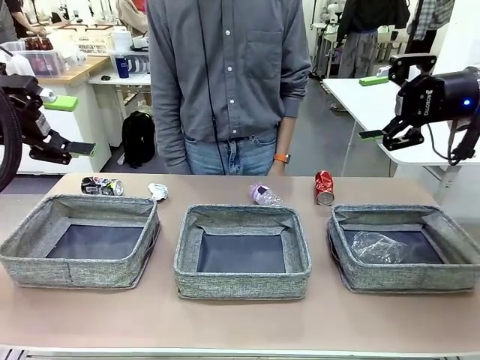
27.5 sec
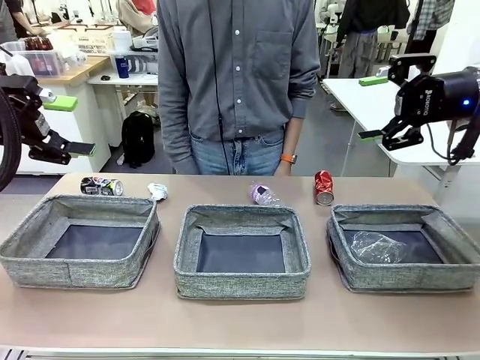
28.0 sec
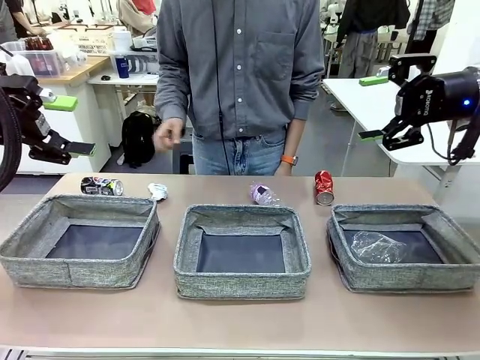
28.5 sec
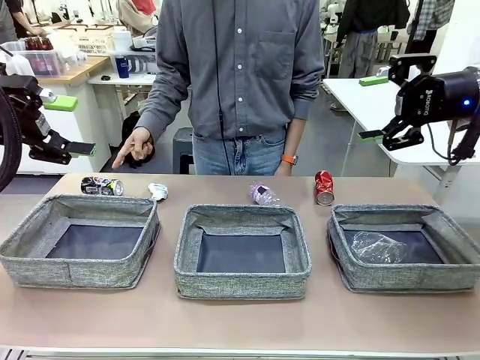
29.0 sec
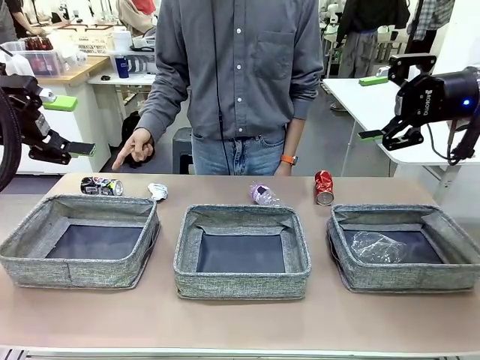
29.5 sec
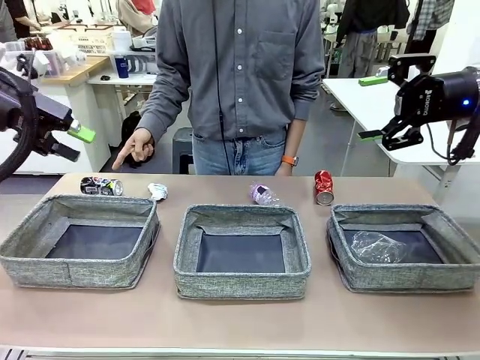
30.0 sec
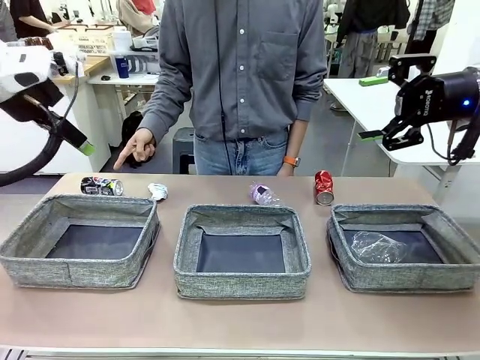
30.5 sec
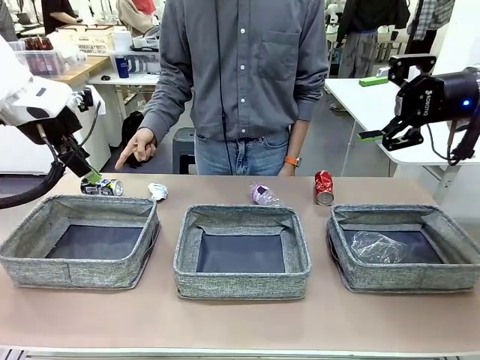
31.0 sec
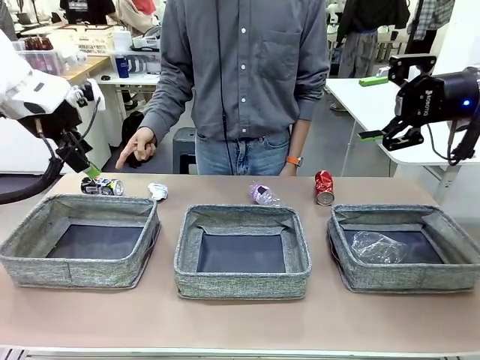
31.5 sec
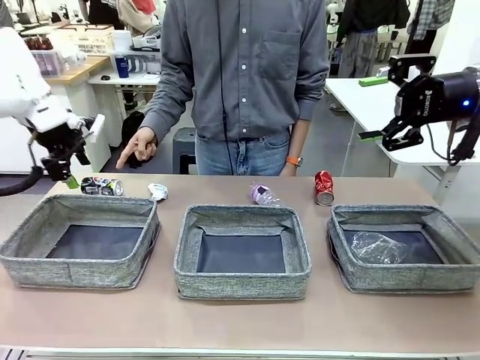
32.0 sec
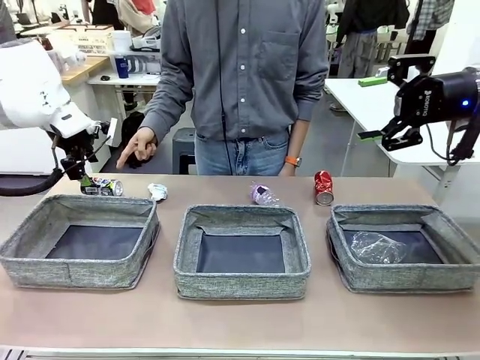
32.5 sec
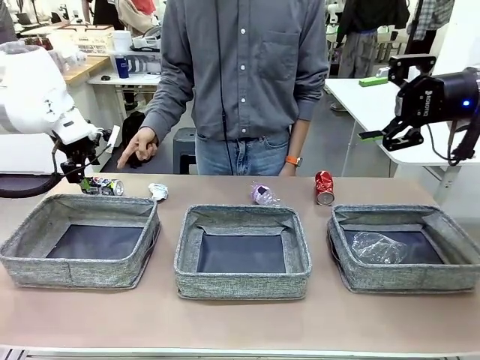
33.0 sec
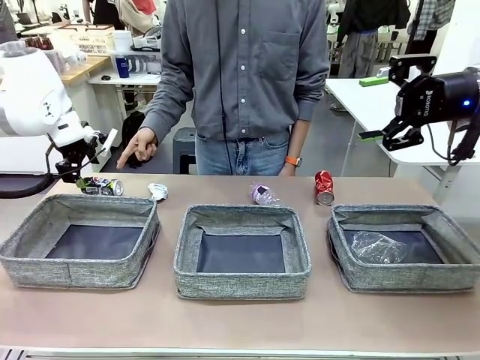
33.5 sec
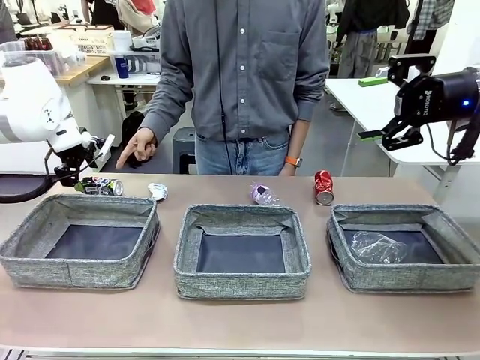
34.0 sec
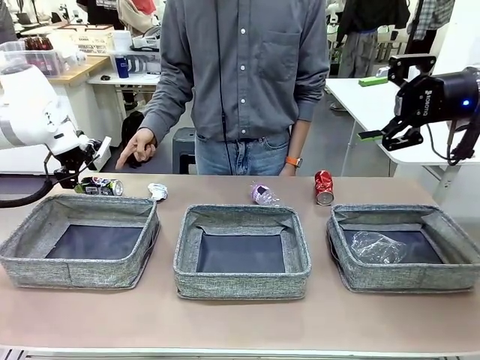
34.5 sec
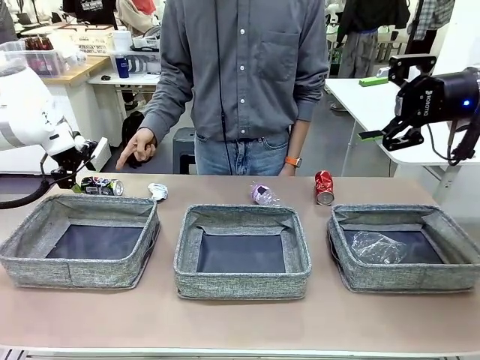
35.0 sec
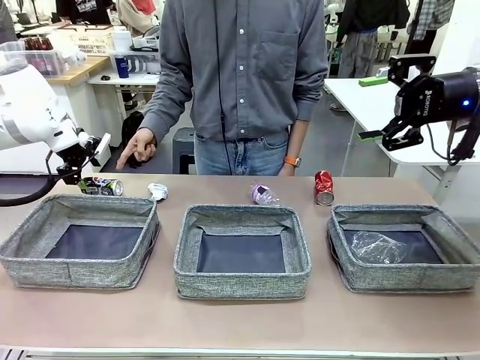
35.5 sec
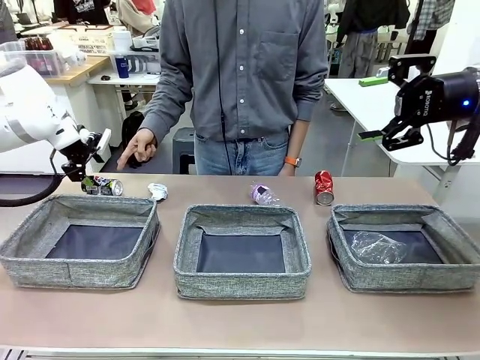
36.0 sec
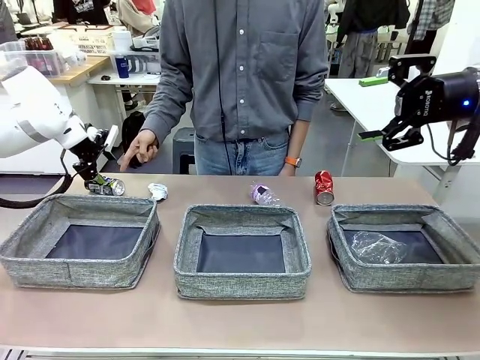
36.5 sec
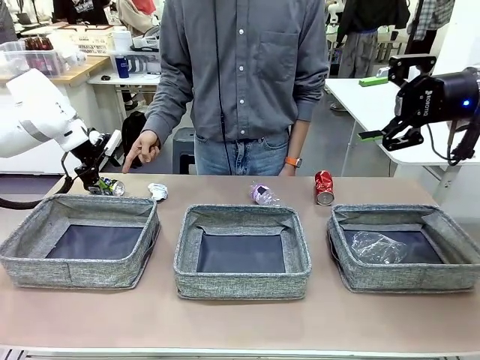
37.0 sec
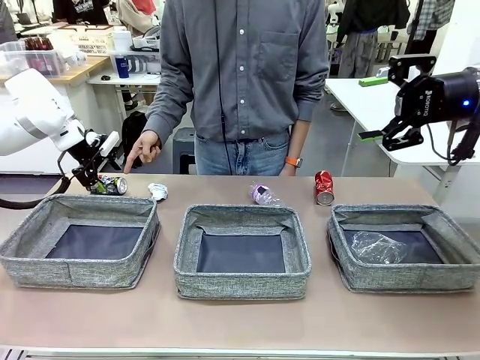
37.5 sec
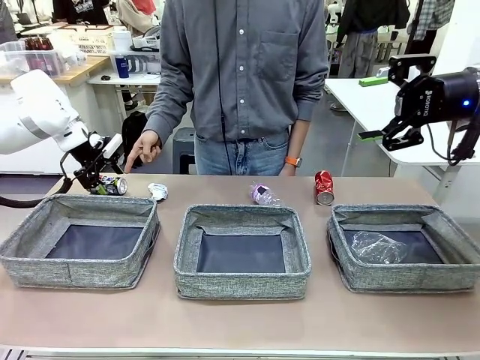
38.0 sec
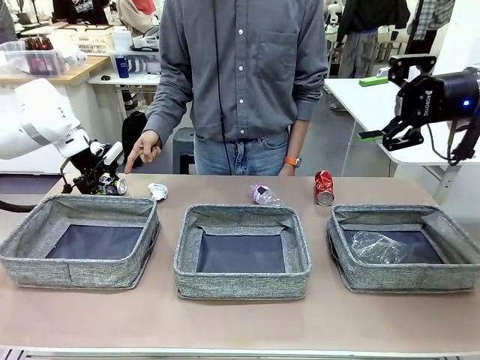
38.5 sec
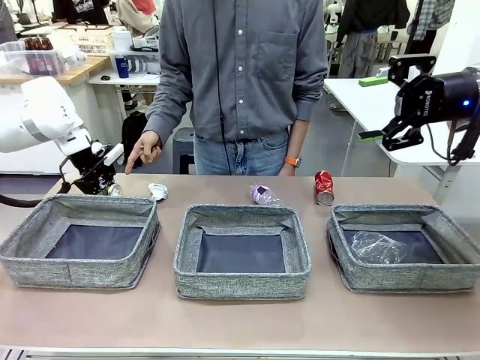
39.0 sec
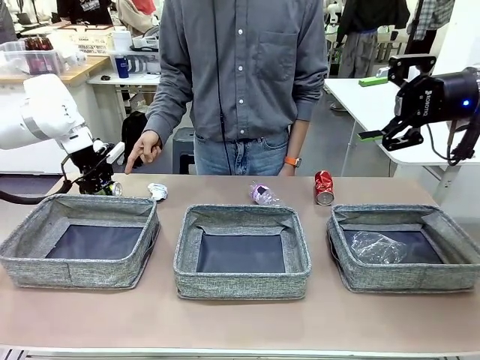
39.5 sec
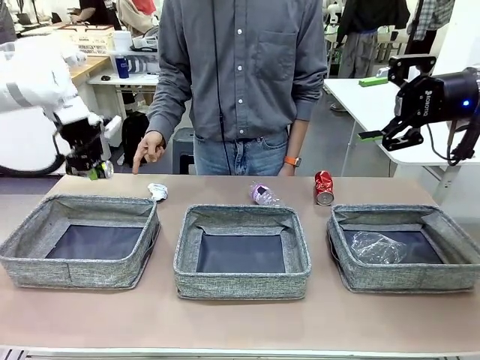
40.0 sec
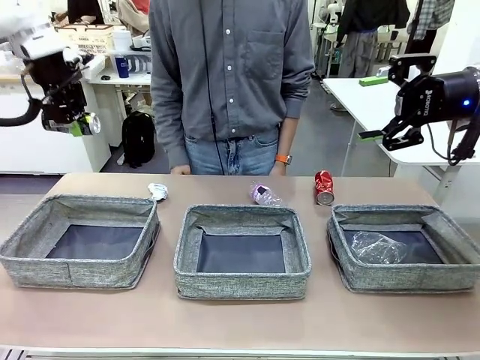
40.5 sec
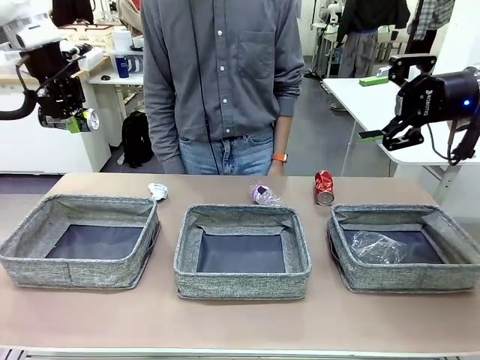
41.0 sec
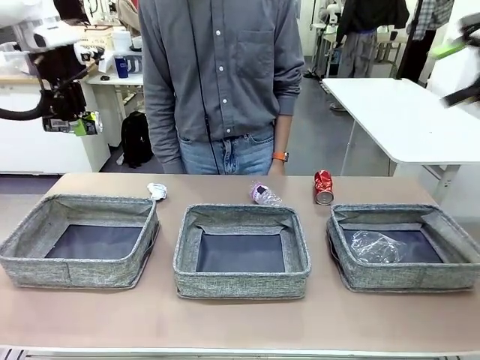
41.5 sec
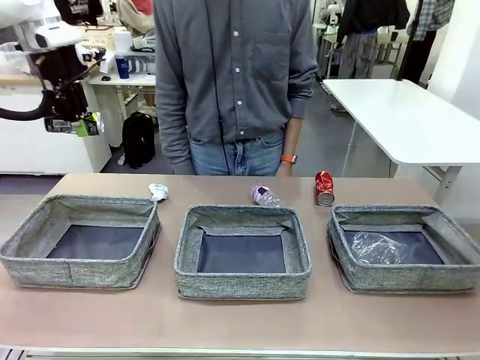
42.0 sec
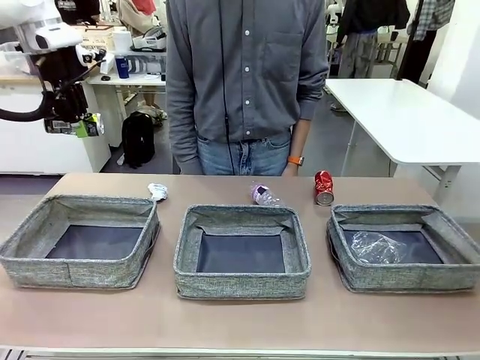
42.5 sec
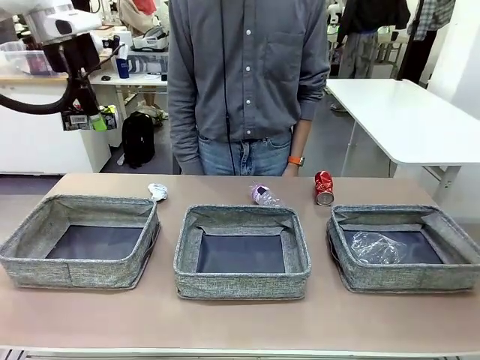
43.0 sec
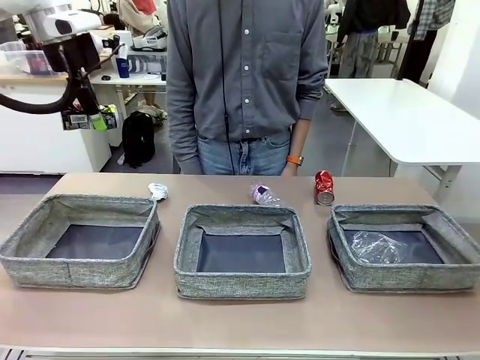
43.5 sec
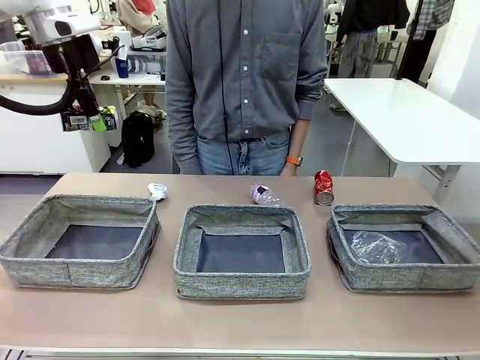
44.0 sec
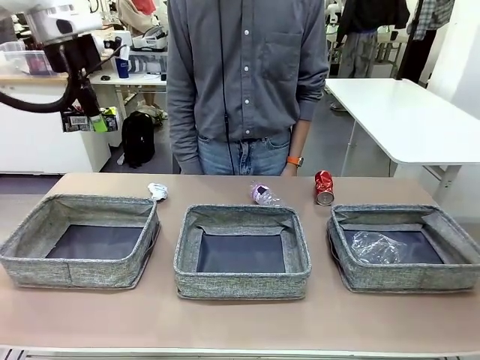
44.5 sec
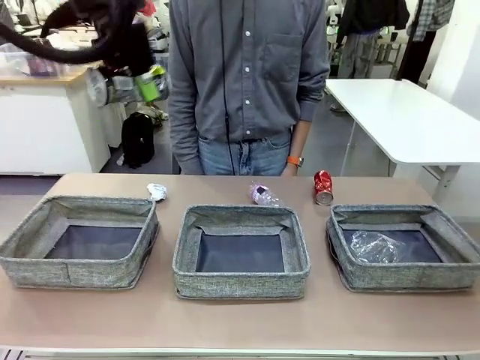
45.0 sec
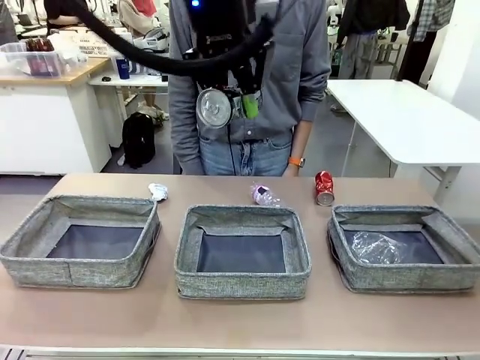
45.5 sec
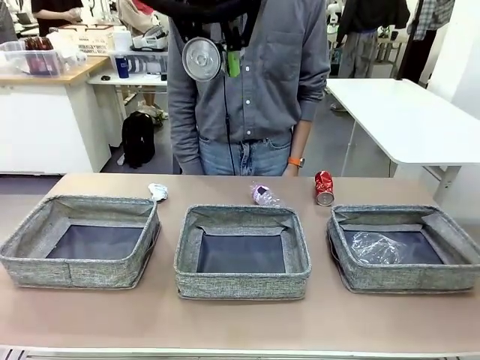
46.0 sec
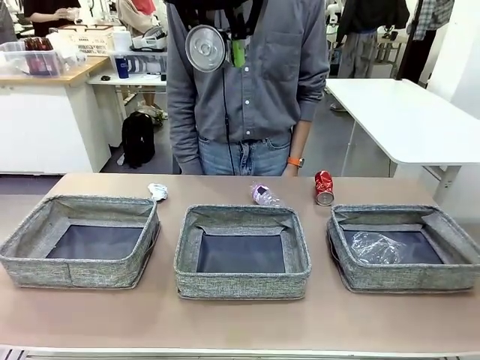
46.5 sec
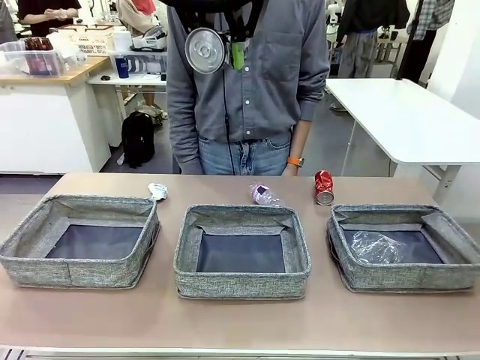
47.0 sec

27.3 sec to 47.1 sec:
Task: Sort the waste into the appropriate baskets.
Robot: Pick up the waste item pointed out by the person.
Person: Points to one piece of trash on the table.

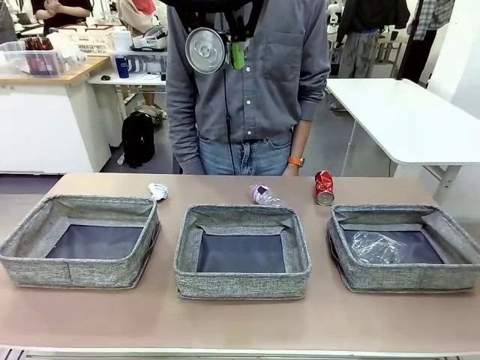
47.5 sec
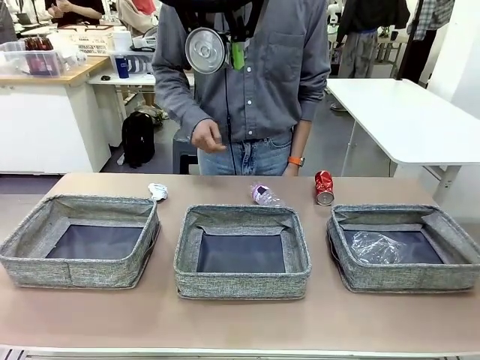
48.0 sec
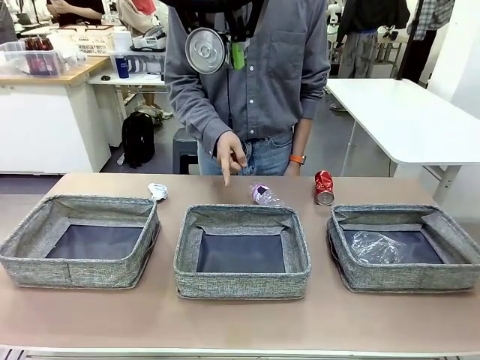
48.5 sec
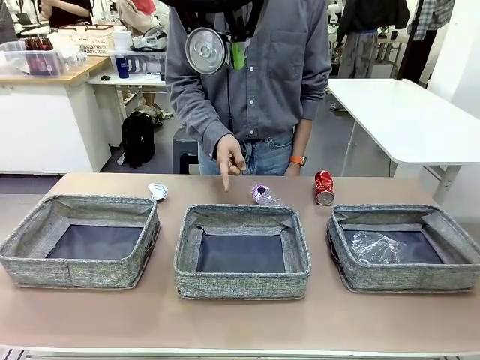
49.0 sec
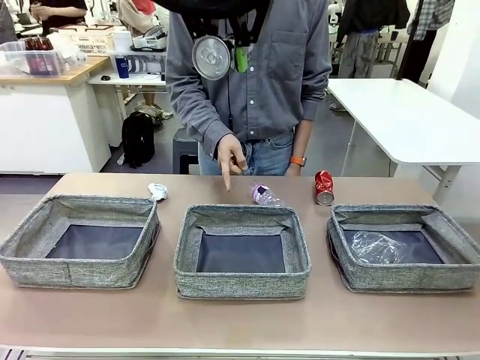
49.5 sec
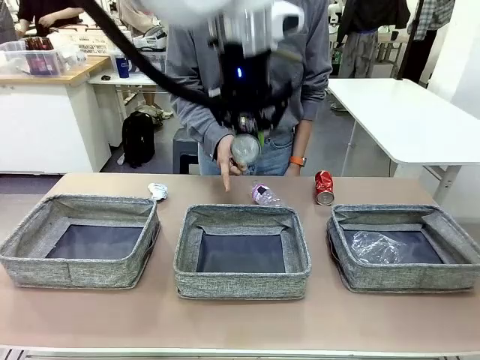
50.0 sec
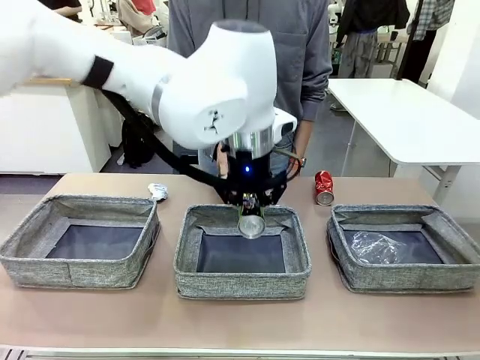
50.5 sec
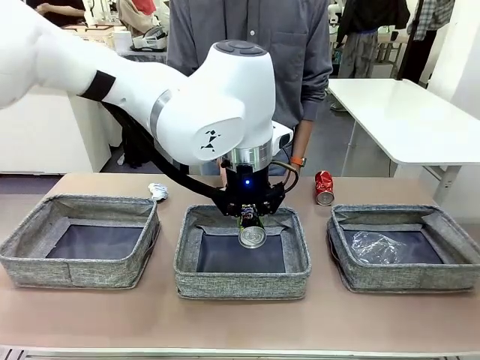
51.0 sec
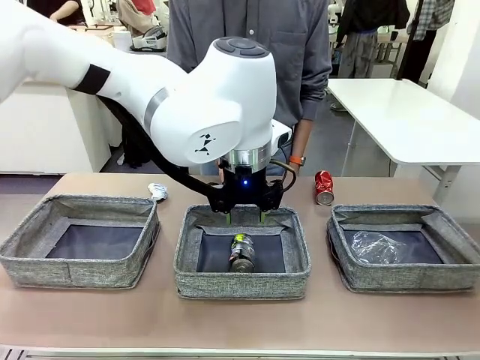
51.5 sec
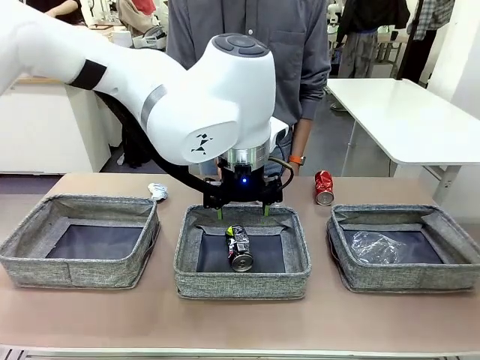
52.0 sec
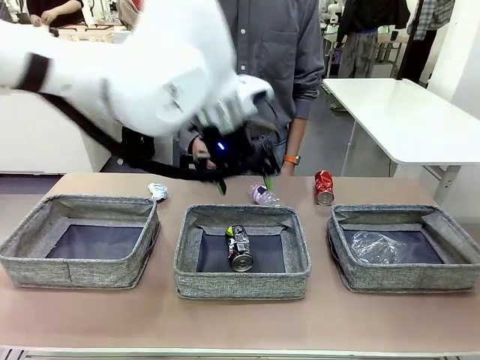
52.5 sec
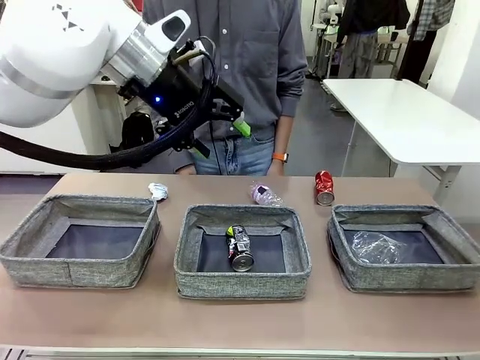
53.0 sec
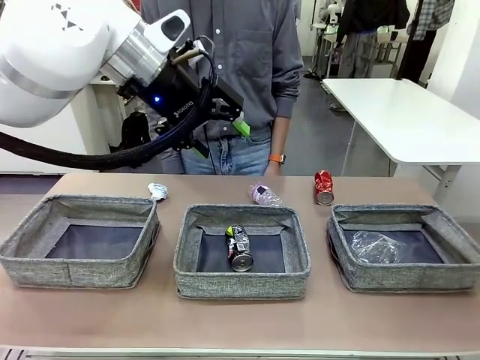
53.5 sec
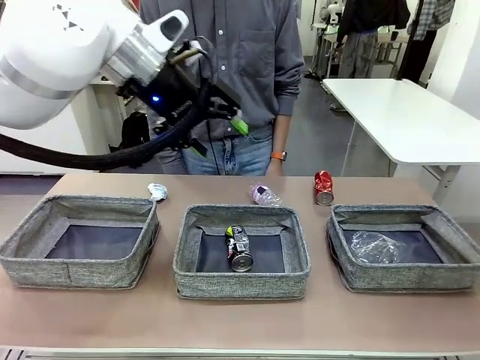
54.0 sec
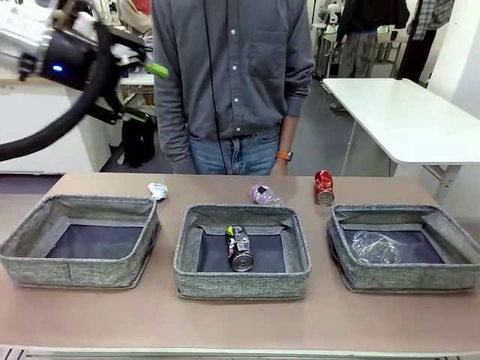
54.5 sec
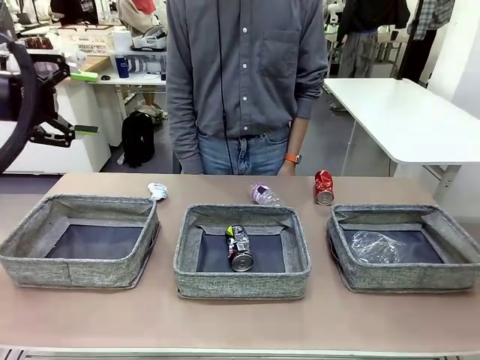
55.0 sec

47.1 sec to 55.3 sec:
Robot: Place the picked waste into the Fabric basket indicated by the person.
Person: Instructs the robot to place the picked-up trash into the appropriate organizing basket.
